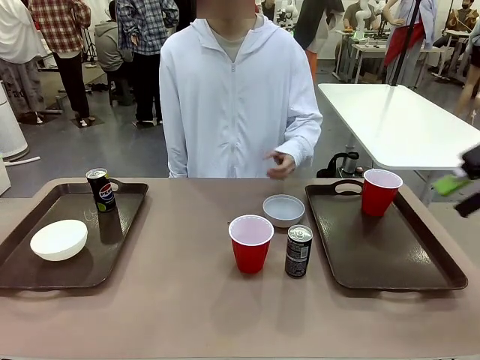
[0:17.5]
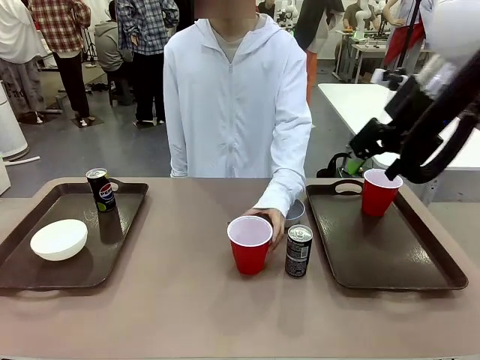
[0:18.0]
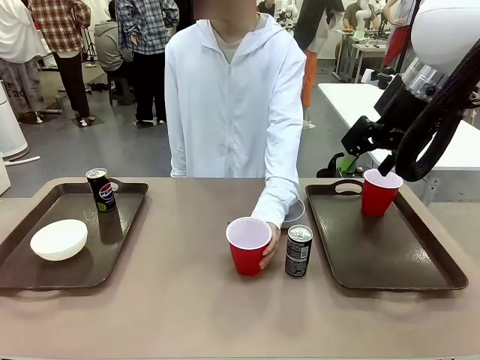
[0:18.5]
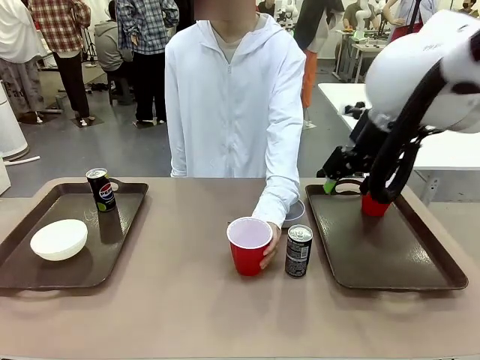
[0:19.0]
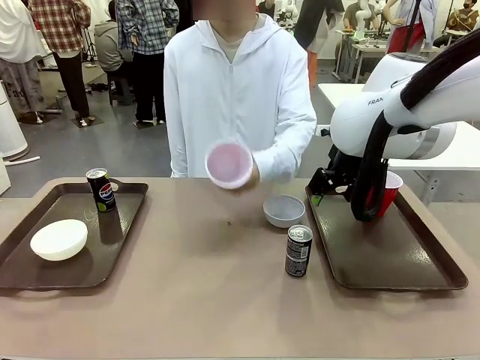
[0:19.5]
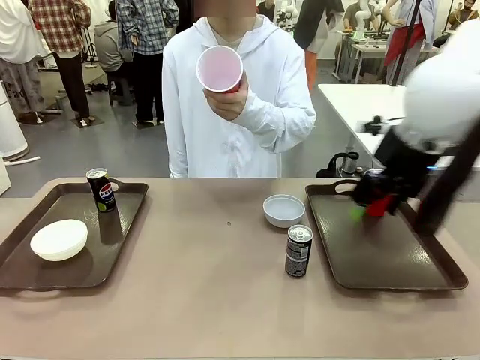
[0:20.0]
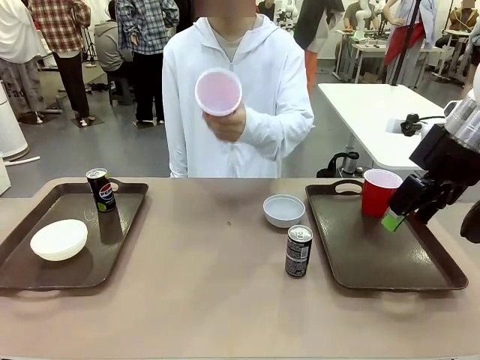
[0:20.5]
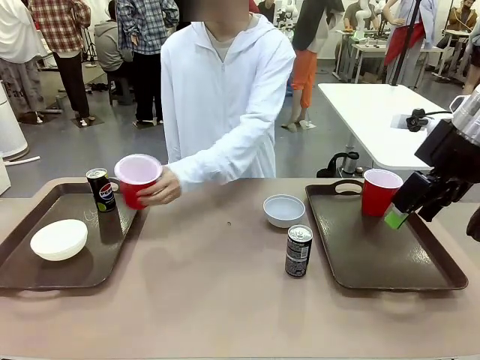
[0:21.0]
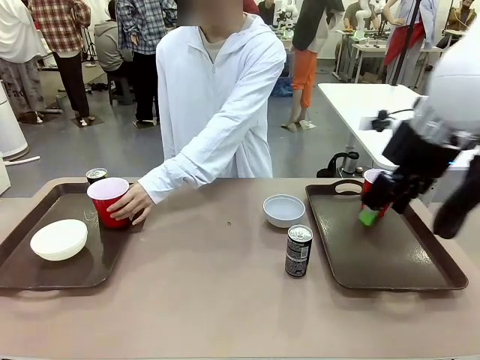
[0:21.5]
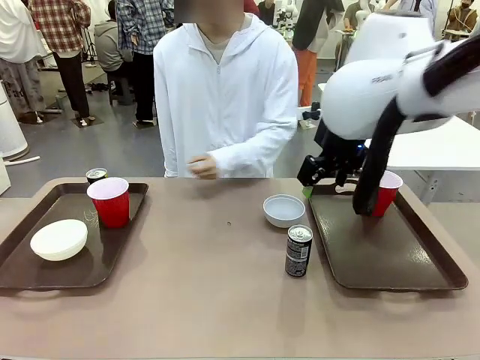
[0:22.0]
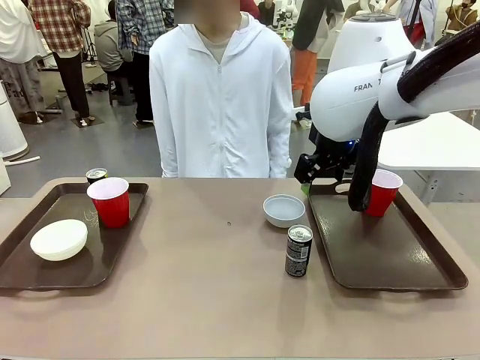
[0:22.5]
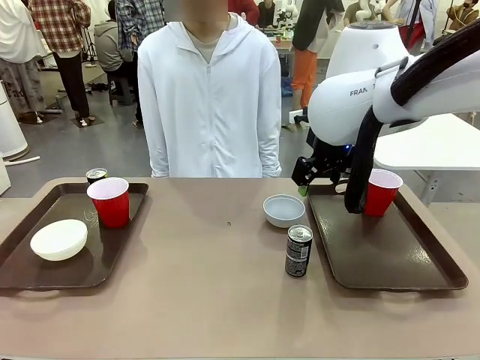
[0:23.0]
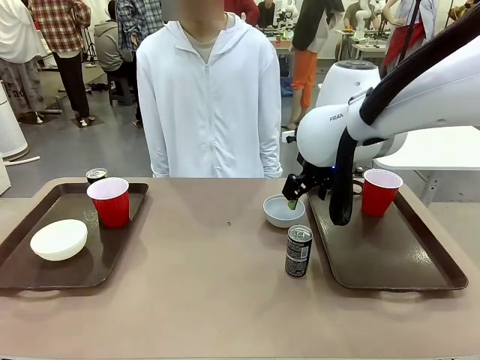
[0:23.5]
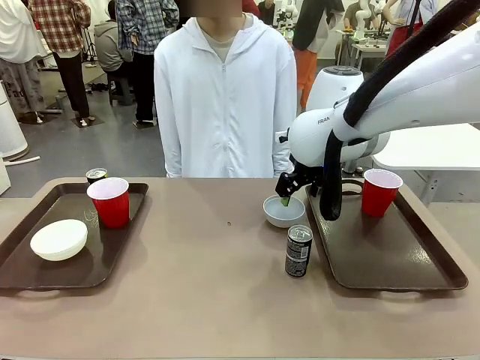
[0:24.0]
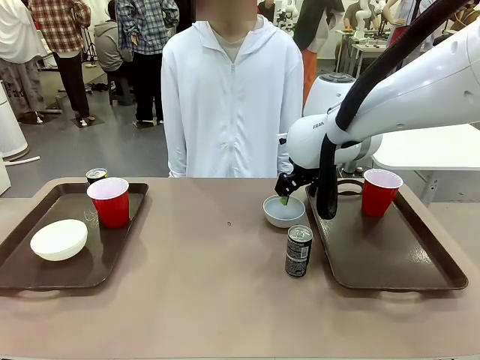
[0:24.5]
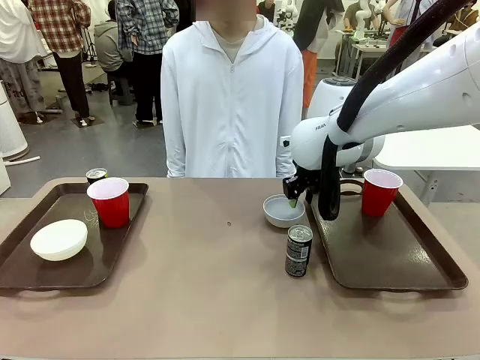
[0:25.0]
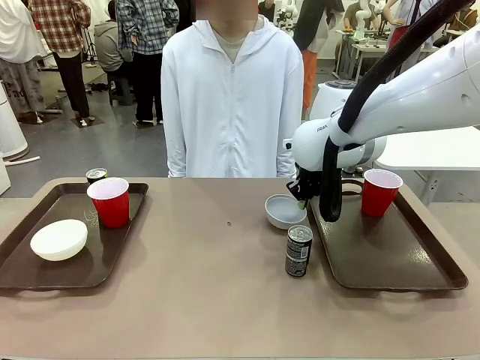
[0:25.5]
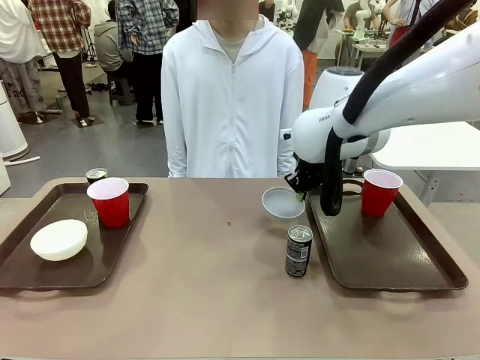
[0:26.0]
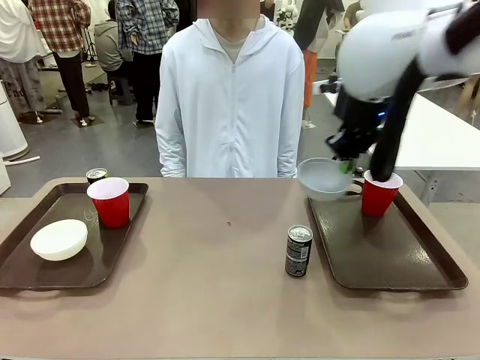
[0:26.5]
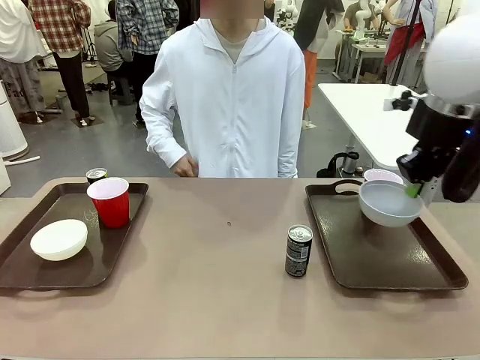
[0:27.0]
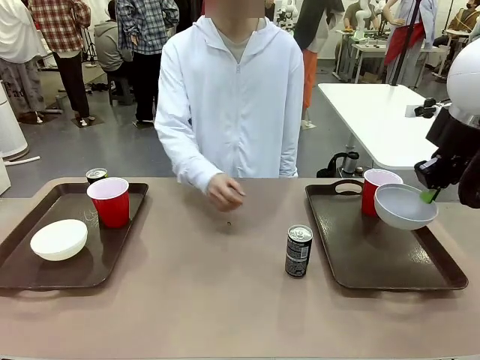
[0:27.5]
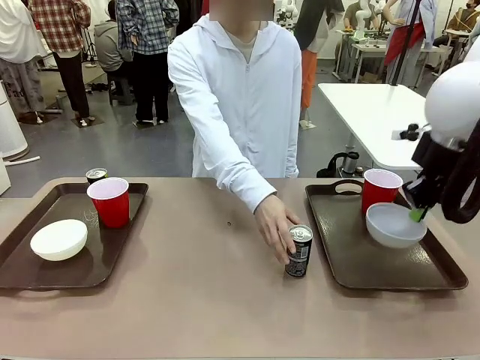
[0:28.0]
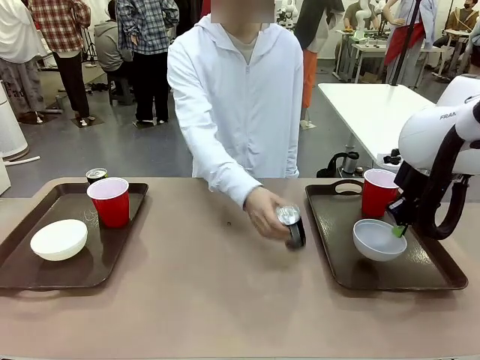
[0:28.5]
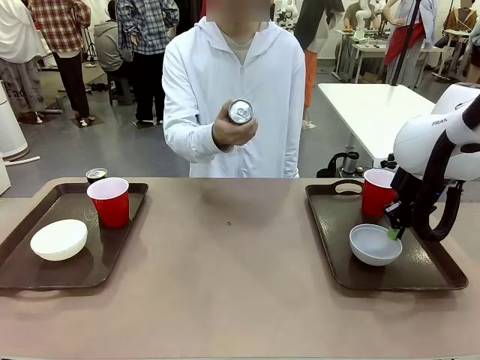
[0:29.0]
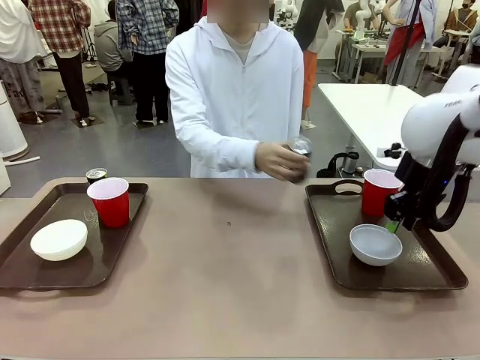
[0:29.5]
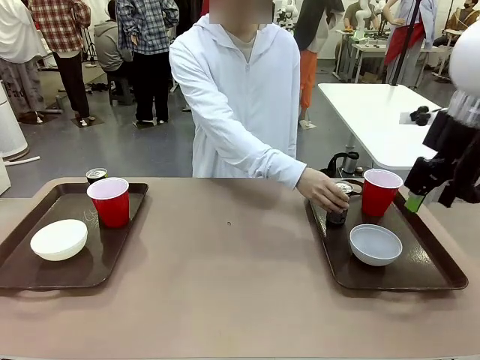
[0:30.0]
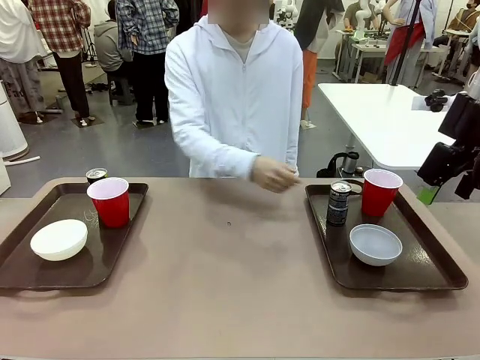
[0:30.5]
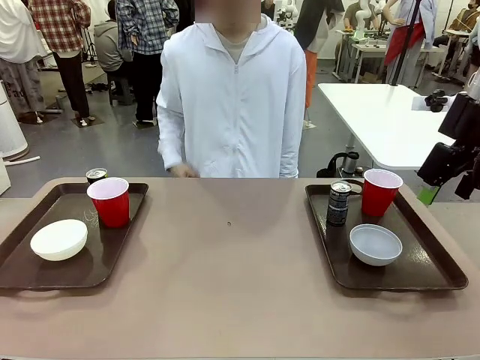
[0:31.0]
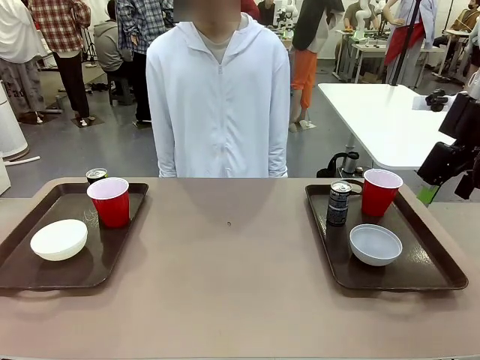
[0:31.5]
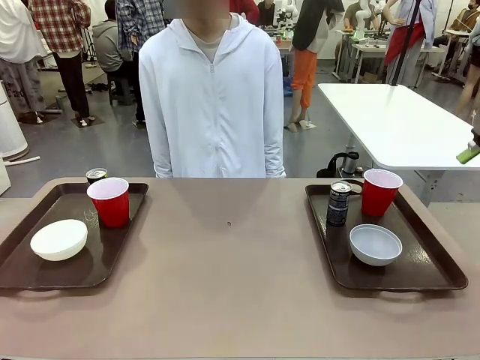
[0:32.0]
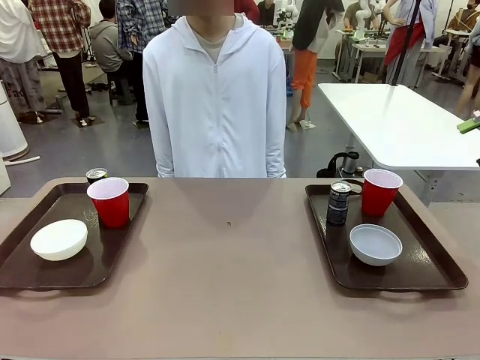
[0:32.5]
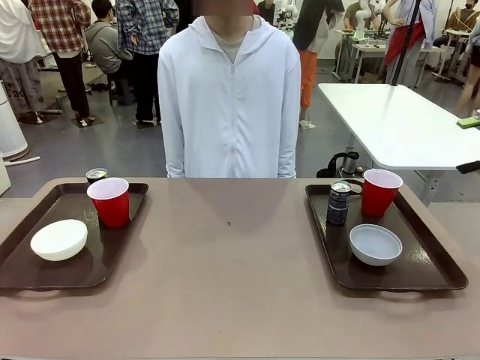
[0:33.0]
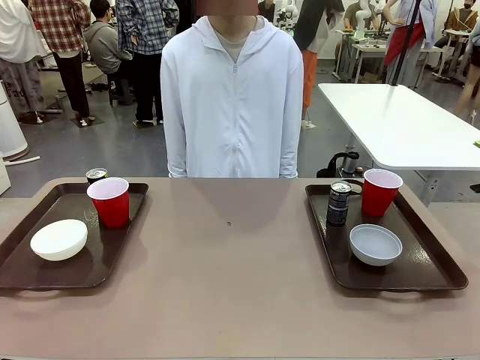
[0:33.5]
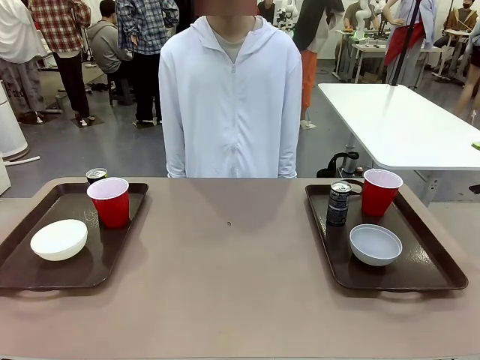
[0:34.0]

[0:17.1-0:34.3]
Task: Prepare tableware on both trays.
Robot: Pick up a Picnic Bowl from the table and place it on a Handle tray.
Person: Pick up a can or cup and place it on the tray without a can or cup.

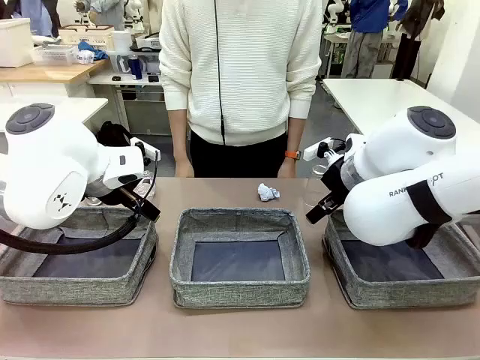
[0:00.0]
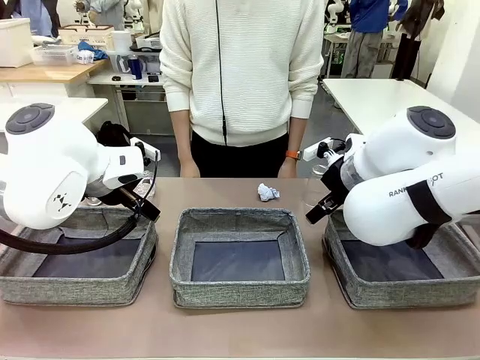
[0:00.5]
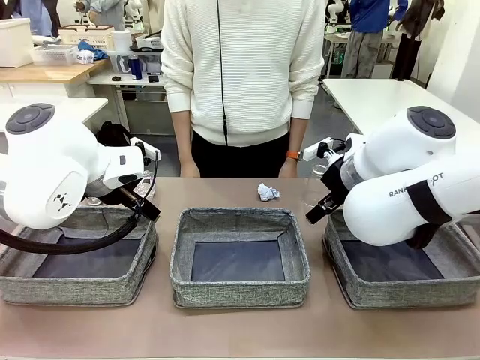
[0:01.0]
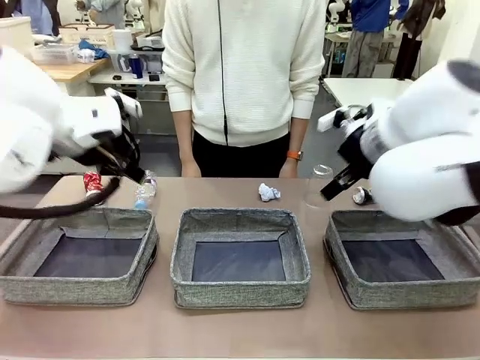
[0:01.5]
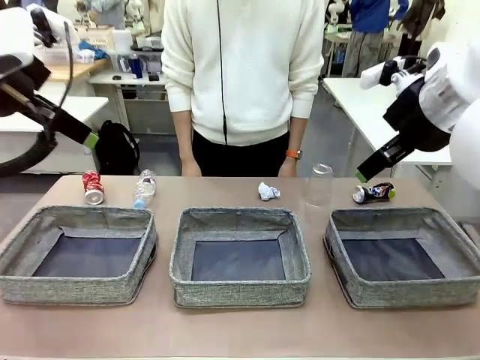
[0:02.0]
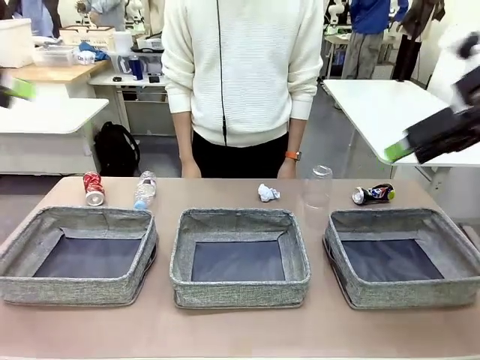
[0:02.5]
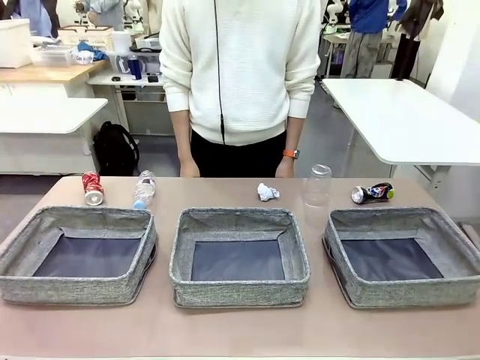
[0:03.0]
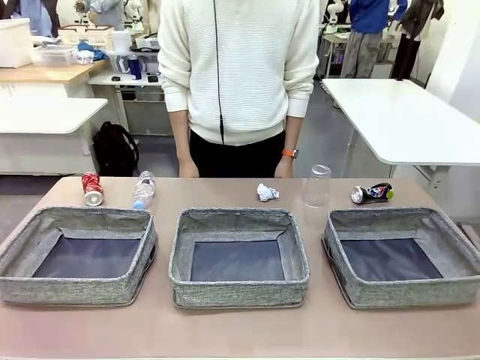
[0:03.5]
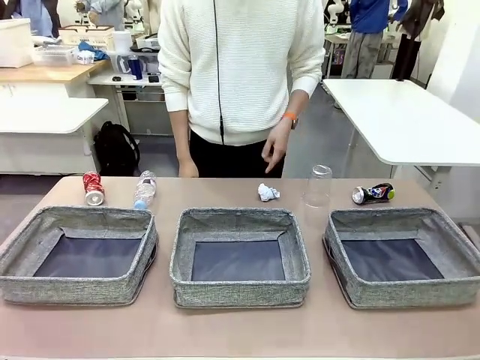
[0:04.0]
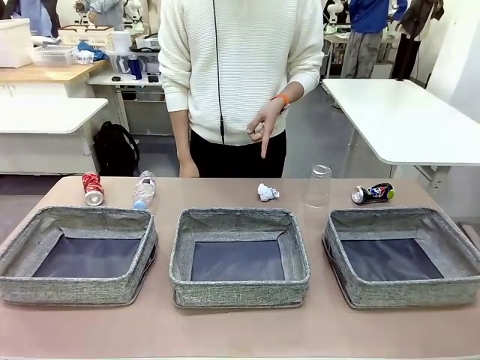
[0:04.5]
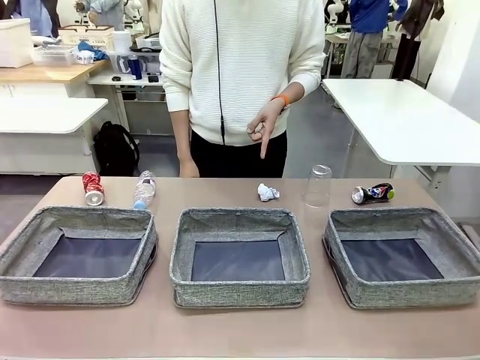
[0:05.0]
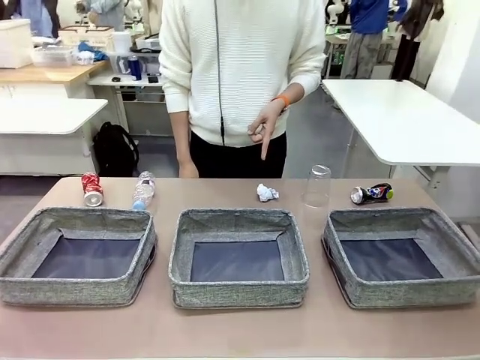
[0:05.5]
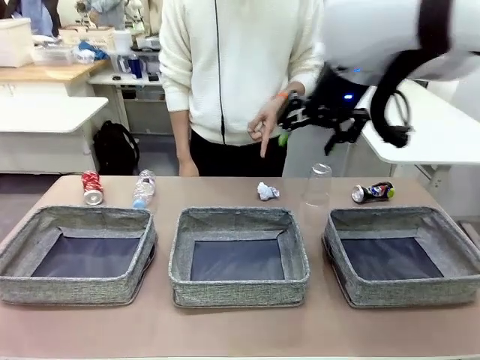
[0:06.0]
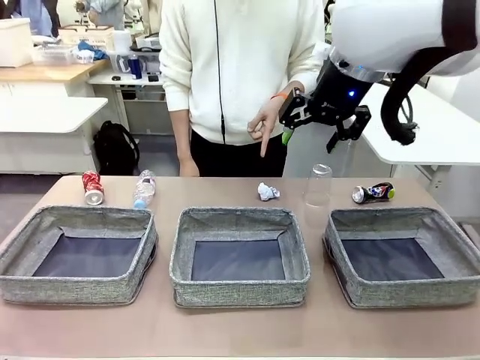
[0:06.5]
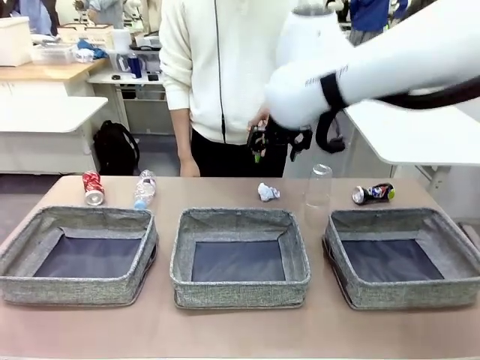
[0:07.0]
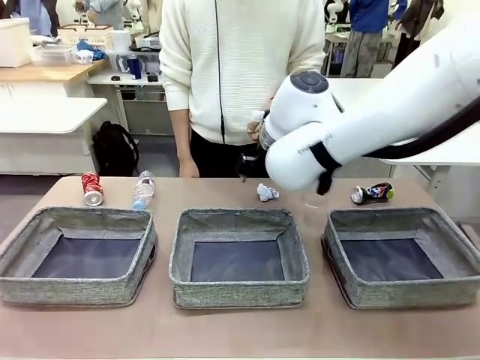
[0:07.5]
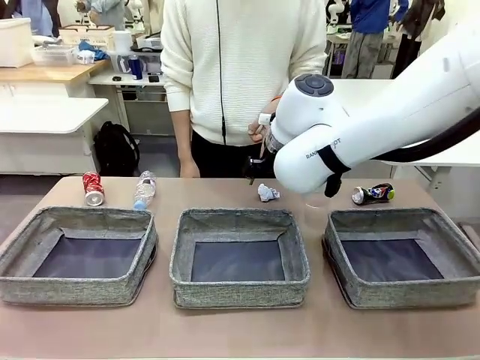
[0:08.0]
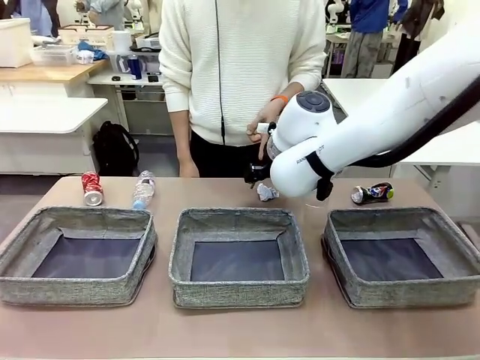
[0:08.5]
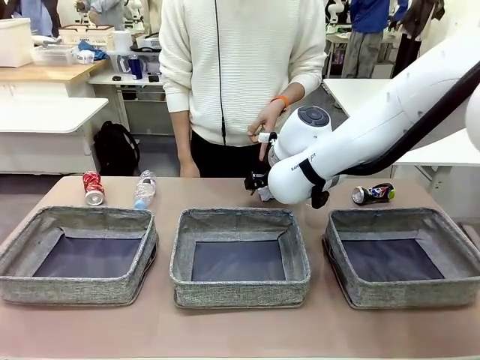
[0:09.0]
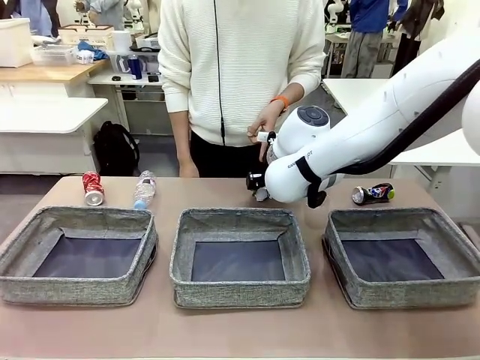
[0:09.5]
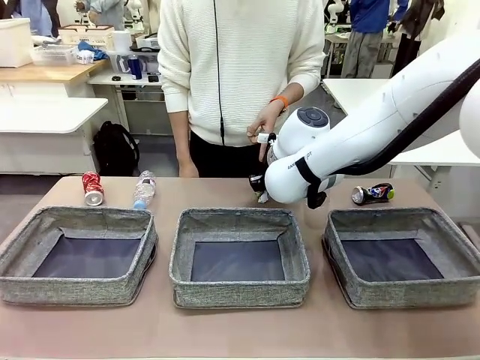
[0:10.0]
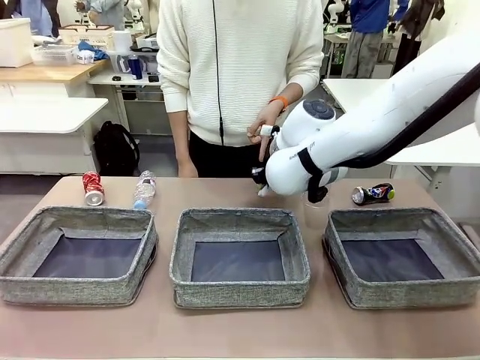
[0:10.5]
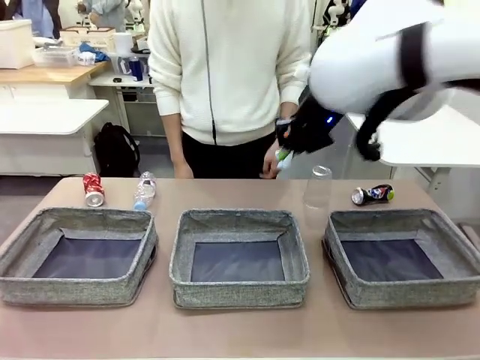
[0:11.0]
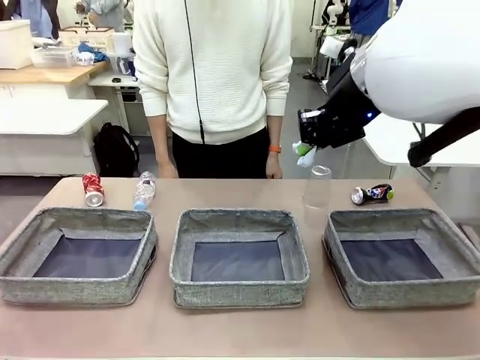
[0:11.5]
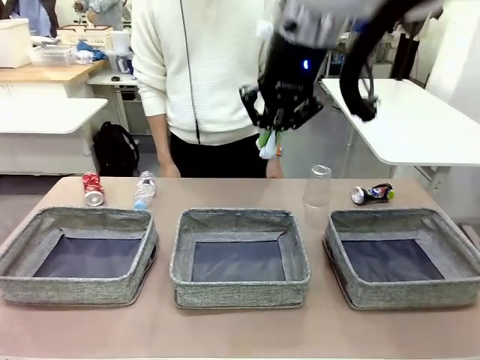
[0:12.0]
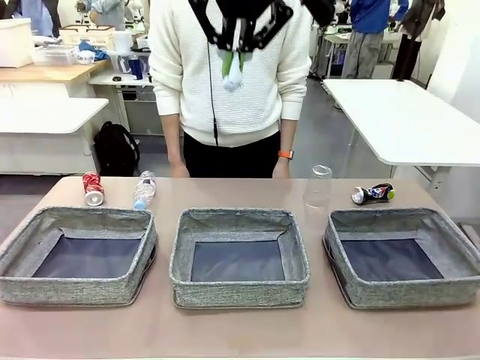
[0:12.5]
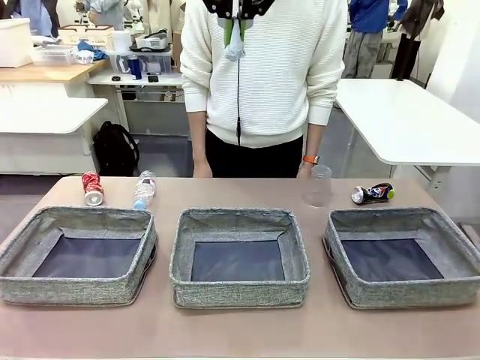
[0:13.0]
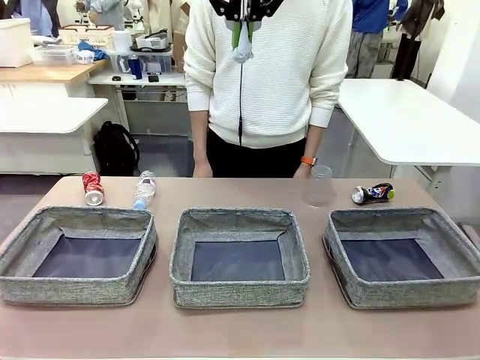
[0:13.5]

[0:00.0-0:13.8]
Task: Sort the waste into the appropriate baskets.
Robot: Pick up the waste item pointed out by the person.
Person: Points to one piece of trash on the table.
